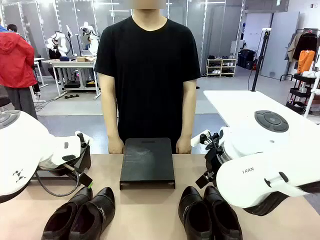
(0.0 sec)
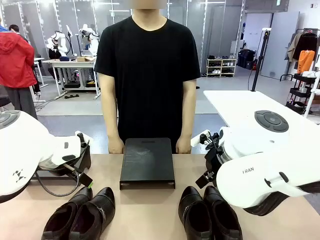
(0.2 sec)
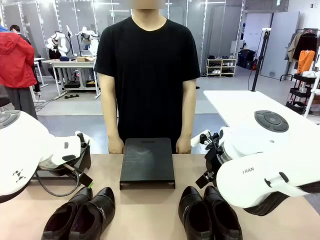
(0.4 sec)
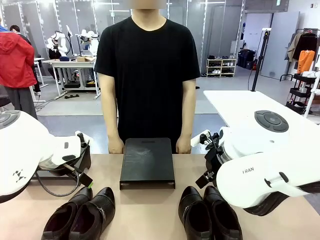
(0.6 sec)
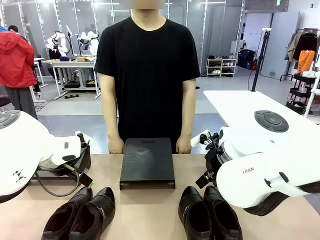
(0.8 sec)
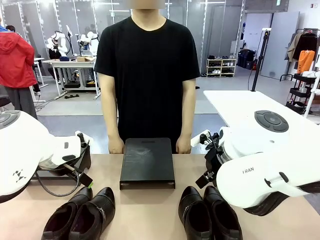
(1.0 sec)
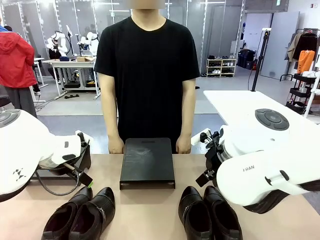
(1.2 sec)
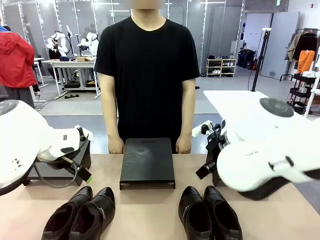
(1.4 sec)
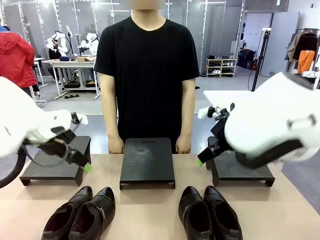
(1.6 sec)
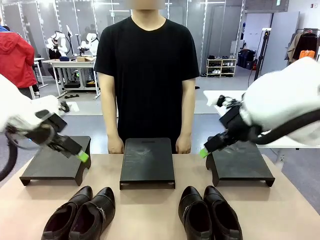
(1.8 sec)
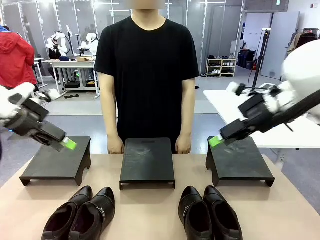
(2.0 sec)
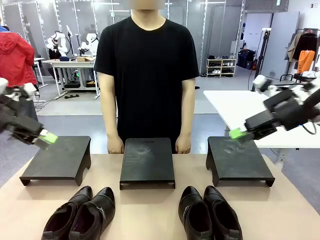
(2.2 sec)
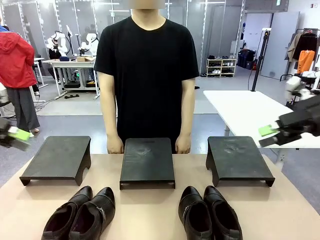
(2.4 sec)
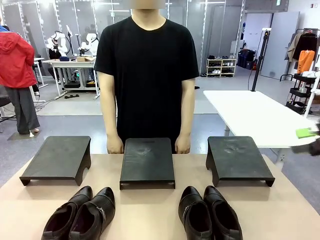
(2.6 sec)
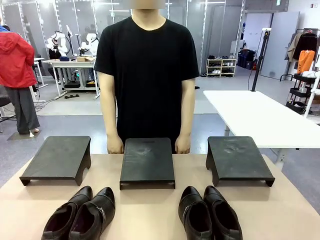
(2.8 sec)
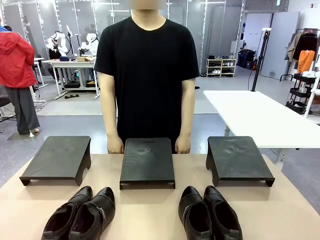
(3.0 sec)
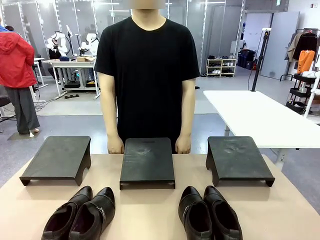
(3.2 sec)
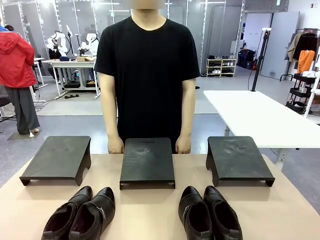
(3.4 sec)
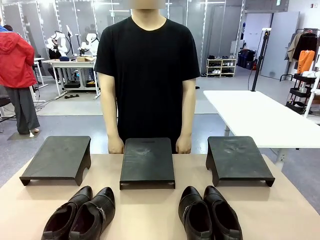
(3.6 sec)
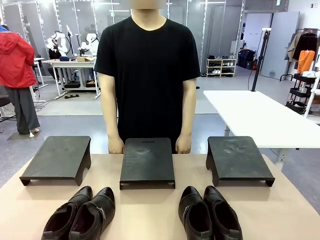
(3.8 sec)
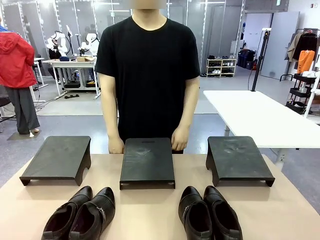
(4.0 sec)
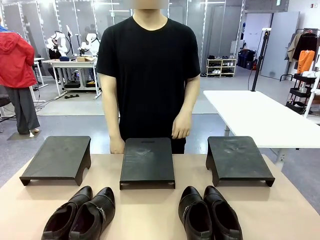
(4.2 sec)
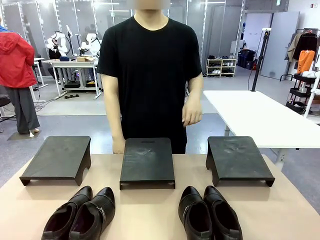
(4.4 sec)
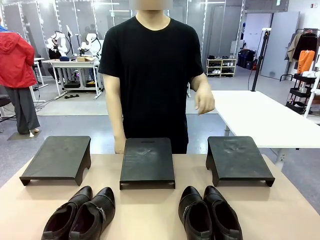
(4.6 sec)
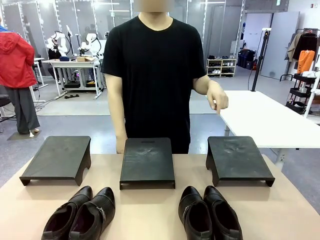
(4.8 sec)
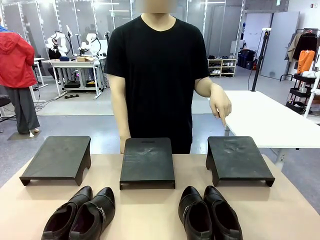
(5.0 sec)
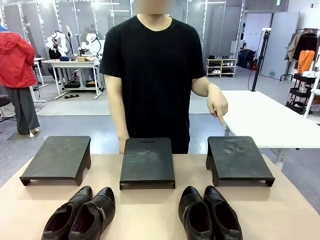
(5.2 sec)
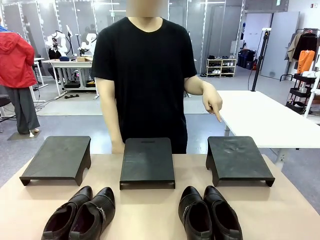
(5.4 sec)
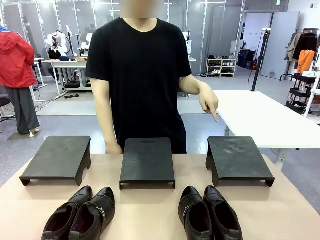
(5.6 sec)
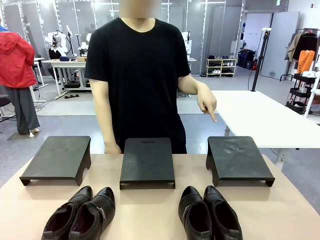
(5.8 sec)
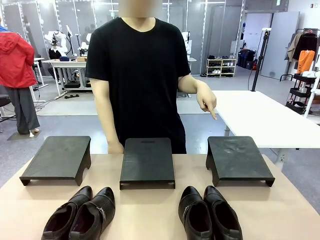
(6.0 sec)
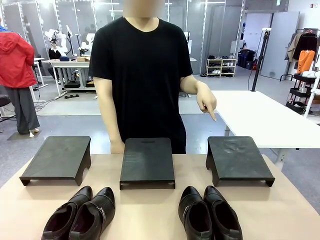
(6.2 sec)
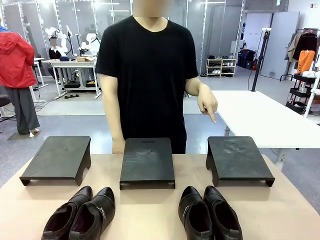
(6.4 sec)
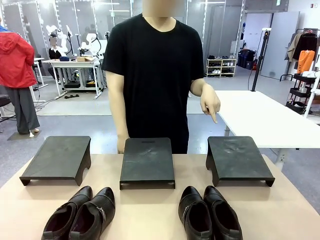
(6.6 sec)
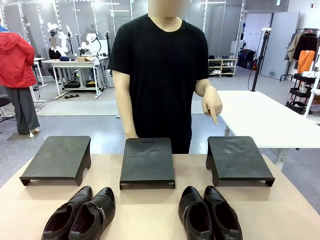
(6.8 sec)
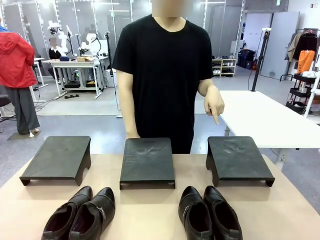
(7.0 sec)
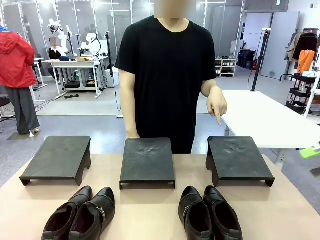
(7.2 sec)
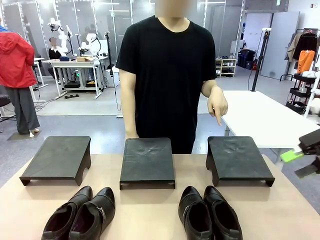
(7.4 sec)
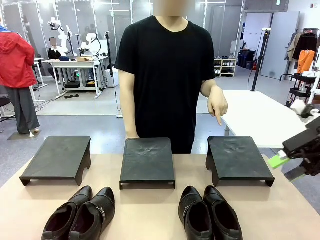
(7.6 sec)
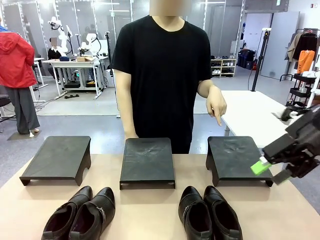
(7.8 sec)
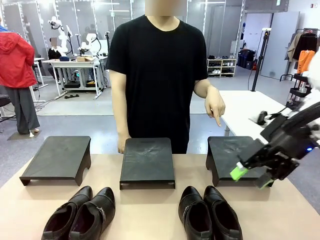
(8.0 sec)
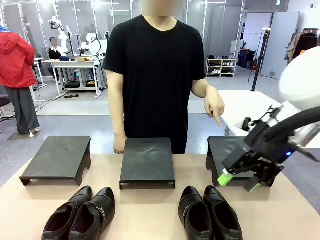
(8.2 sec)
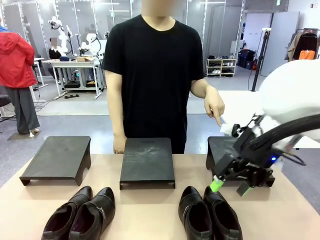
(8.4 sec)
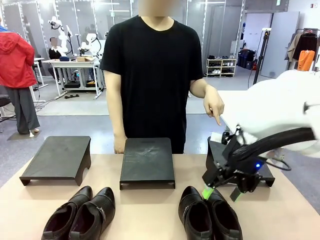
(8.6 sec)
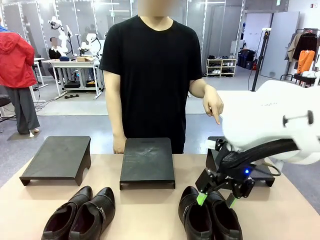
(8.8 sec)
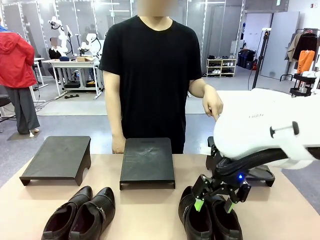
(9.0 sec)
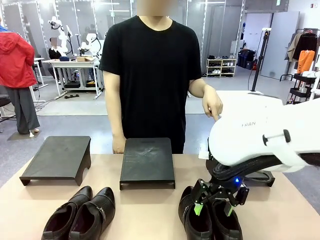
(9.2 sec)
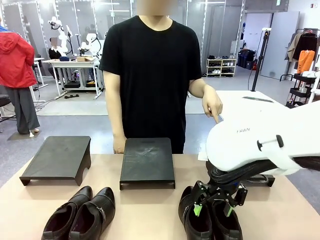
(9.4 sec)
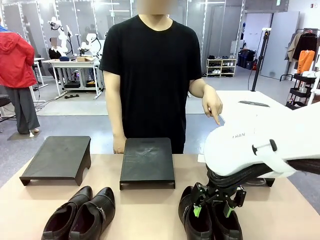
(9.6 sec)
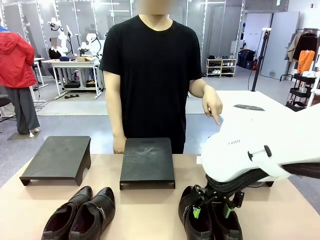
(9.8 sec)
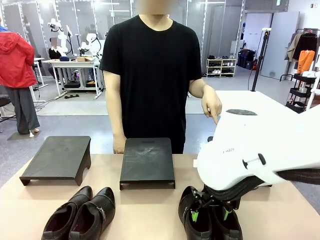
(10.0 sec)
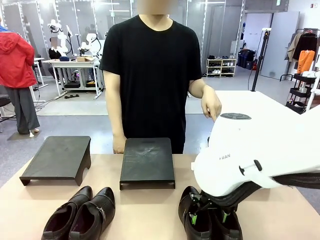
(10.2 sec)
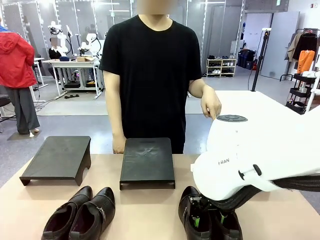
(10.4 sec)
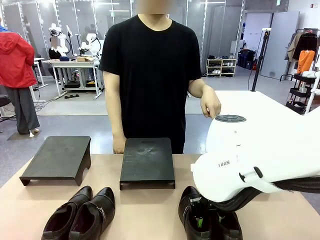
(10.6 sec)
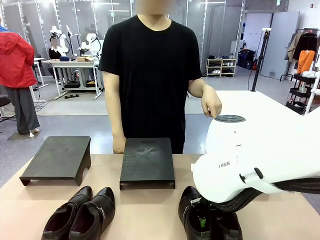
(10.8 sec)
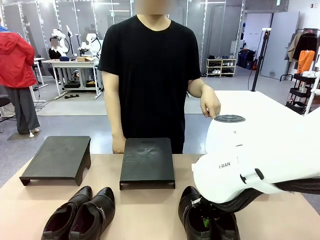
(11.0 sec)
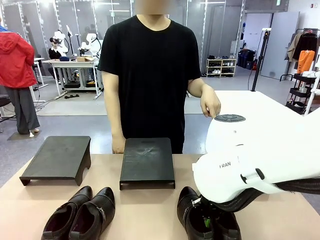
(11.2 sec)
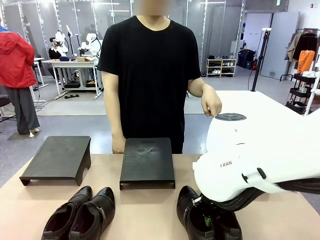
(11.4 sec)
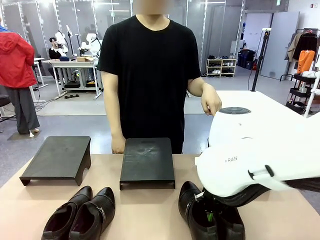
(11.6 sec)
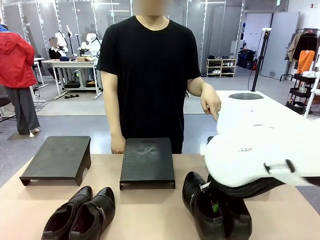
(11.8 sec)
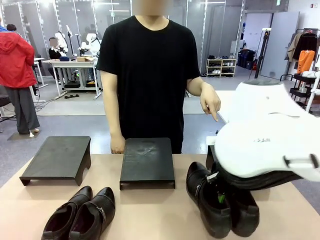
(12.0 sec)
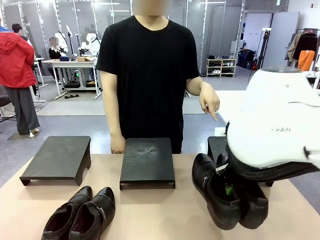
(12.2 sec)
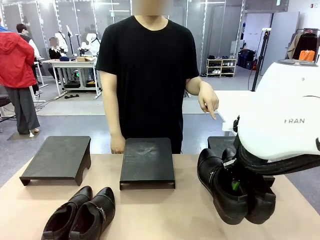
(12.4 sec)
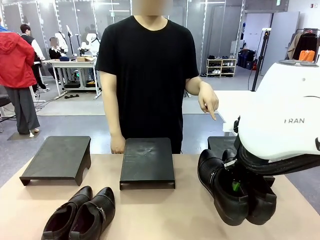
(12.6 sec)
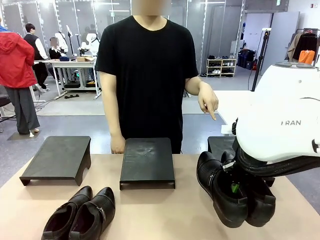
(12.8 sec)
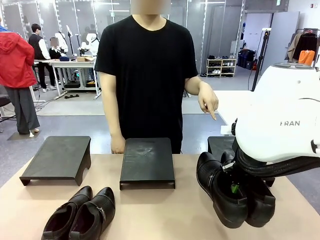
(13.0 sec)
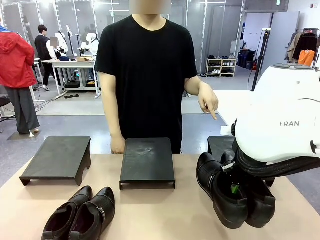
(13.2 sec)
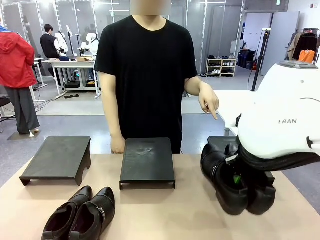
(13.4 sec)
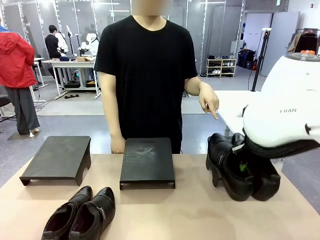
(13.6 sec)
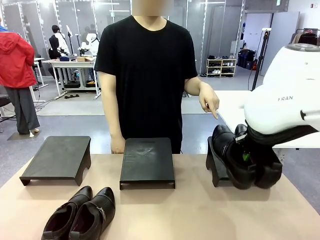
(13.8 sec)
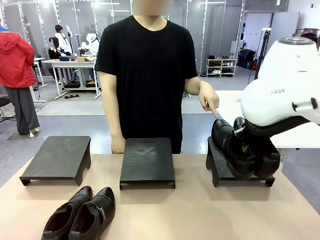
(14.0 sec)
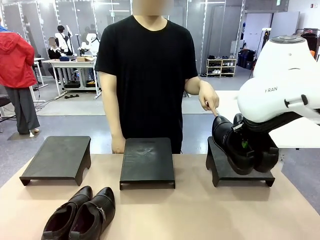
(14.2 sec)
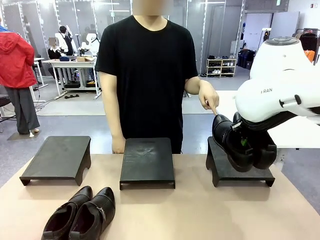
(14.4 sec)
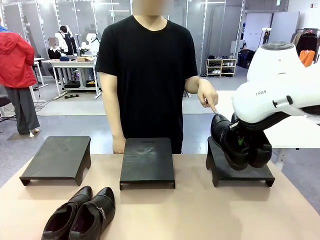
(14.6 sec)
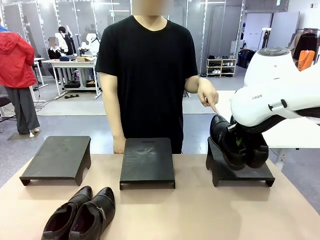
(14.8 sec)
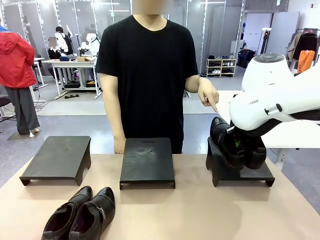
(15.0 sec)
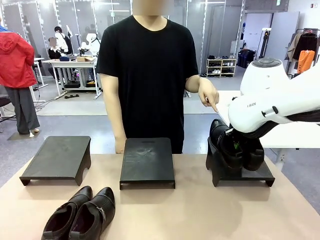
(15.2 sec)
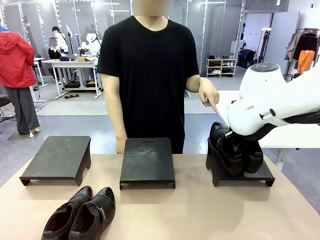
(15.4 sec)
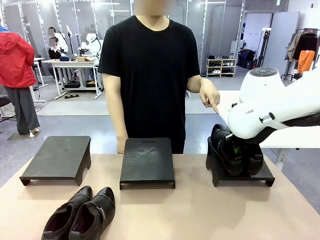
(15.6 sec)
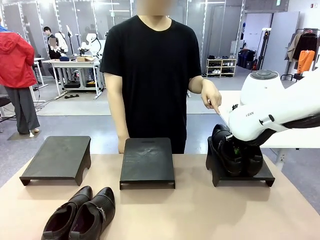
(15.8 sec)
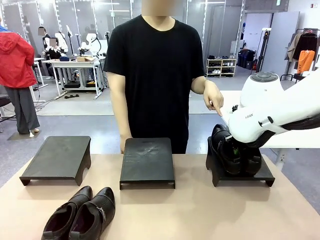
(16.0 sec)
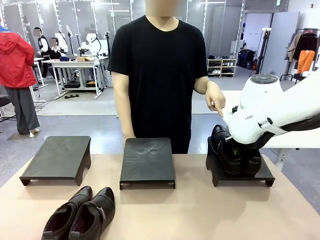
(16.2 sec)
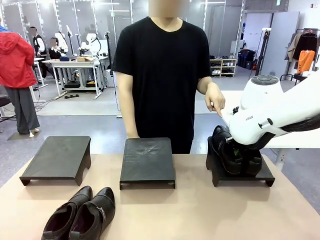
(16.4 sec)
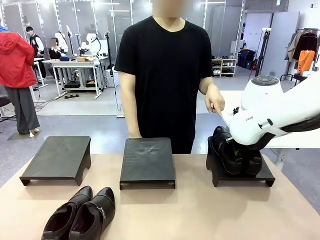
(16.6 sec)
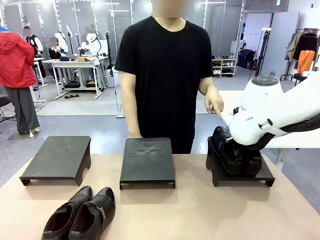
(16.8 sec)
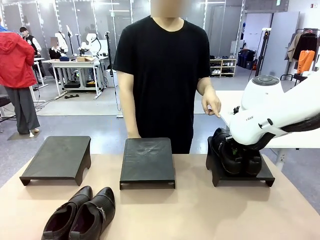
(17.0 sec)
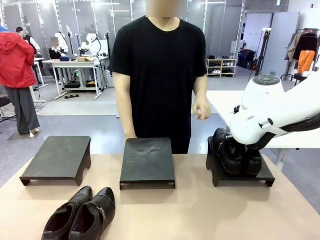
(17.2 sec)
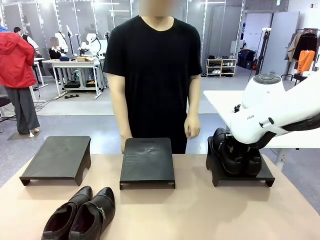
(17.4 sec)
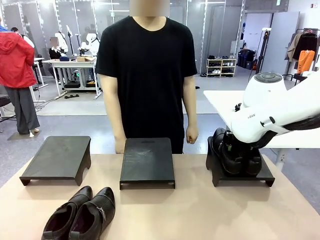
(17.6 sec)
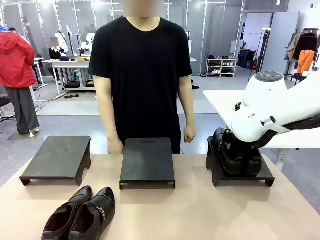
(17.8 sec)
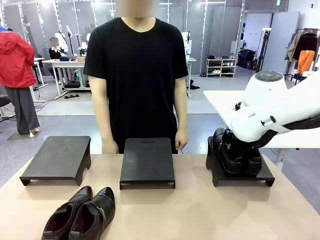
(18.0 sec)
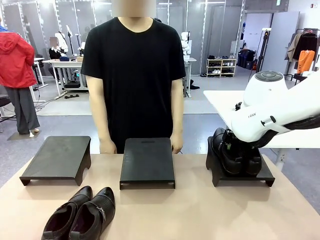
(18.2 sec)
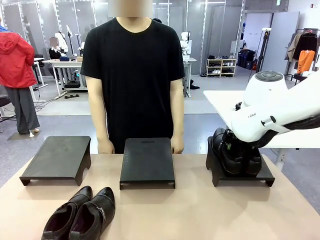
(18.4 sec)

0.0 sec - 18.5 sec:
Task: Place the shoes on the stand as instructed by the person.
Robot: Pick up one pair of Shoes and place it on the Shoes Stand indicated by the person.
